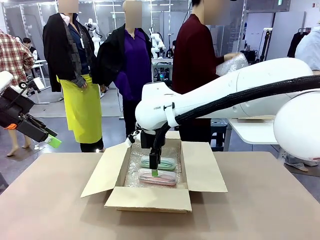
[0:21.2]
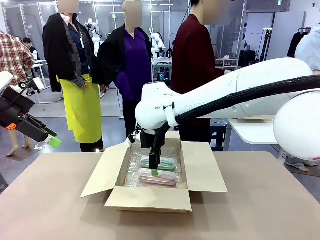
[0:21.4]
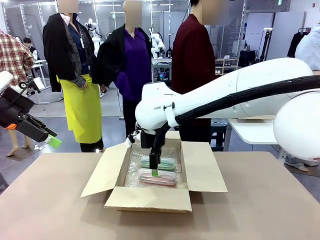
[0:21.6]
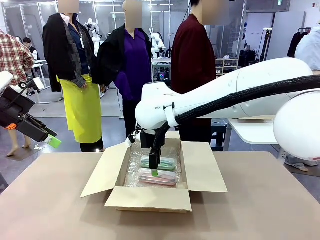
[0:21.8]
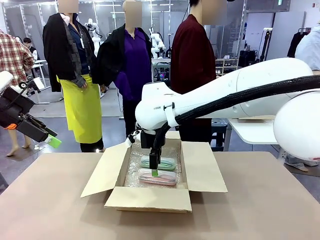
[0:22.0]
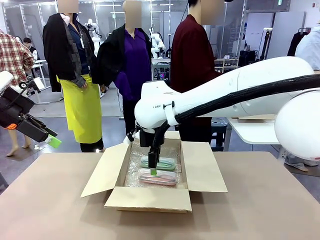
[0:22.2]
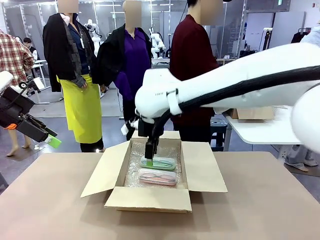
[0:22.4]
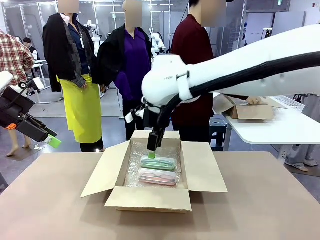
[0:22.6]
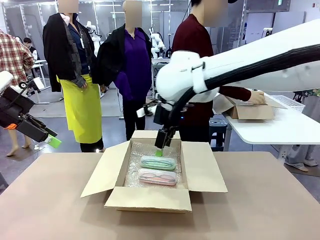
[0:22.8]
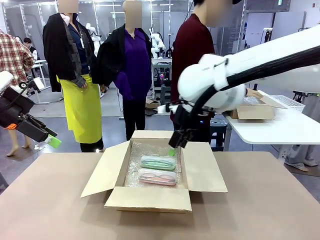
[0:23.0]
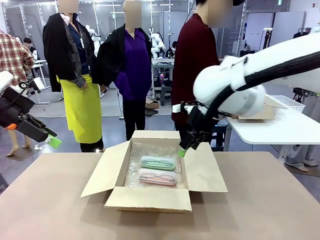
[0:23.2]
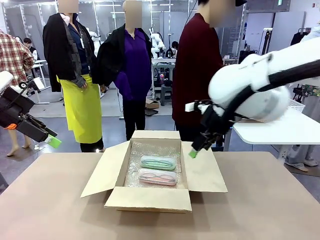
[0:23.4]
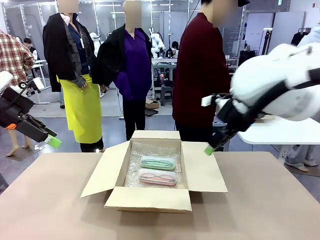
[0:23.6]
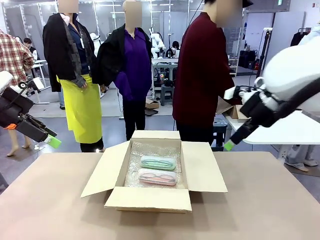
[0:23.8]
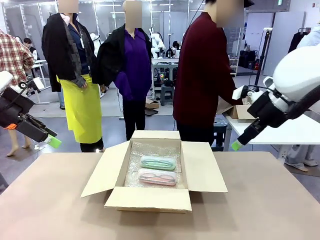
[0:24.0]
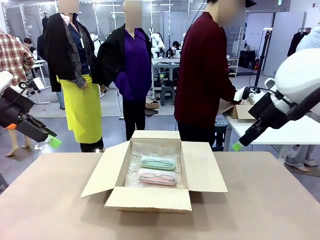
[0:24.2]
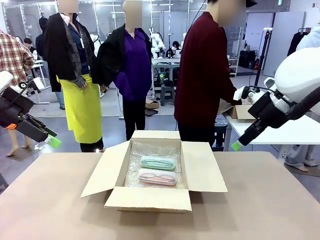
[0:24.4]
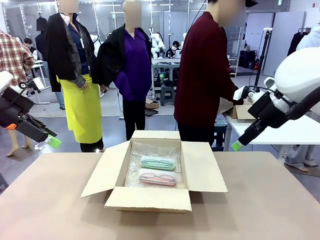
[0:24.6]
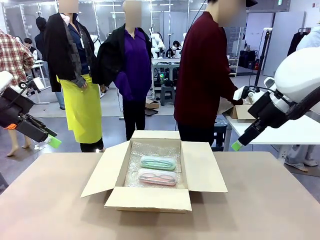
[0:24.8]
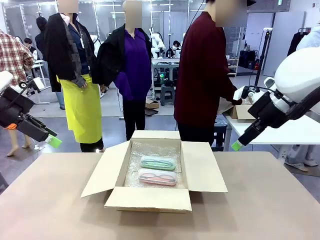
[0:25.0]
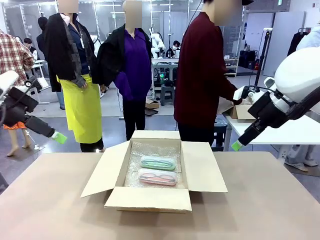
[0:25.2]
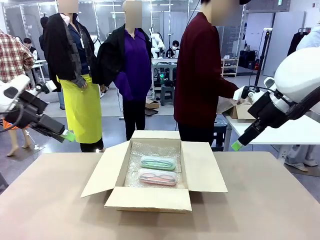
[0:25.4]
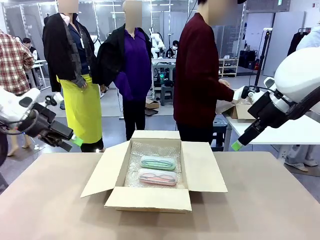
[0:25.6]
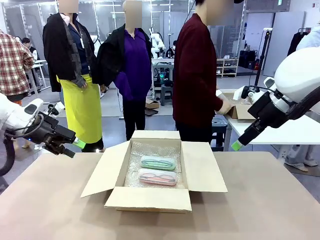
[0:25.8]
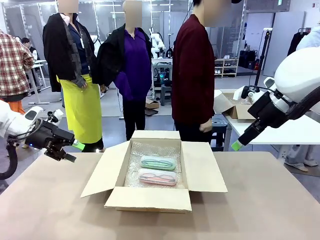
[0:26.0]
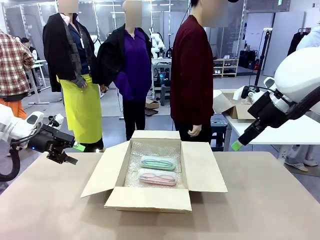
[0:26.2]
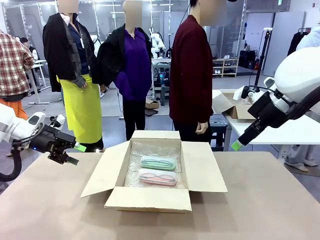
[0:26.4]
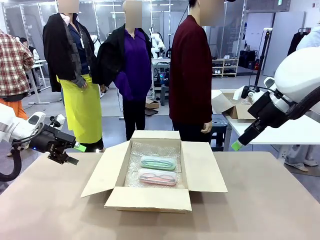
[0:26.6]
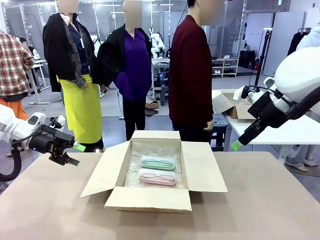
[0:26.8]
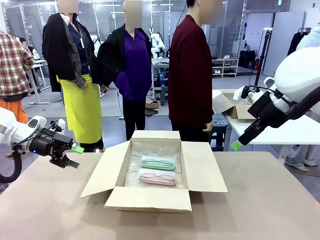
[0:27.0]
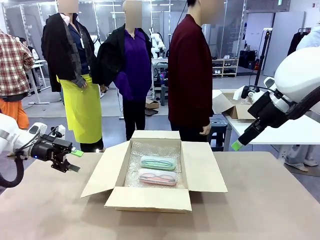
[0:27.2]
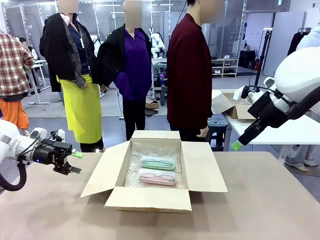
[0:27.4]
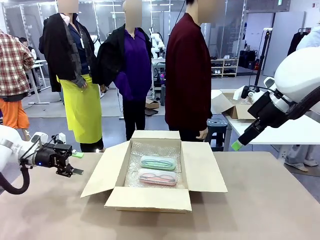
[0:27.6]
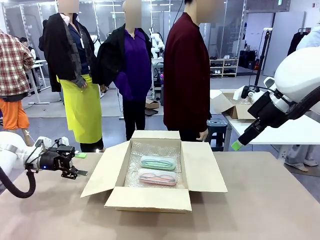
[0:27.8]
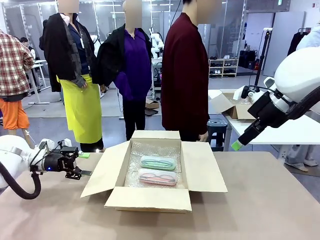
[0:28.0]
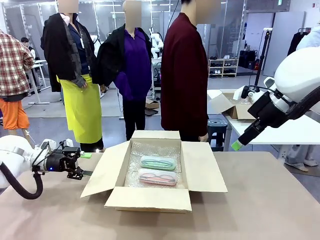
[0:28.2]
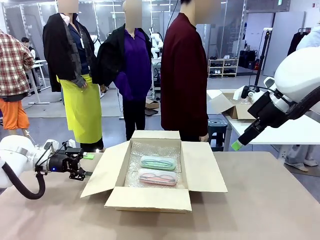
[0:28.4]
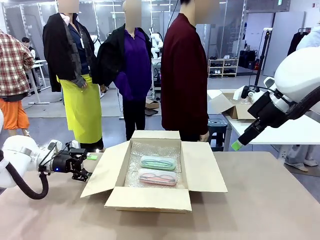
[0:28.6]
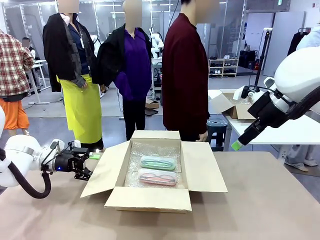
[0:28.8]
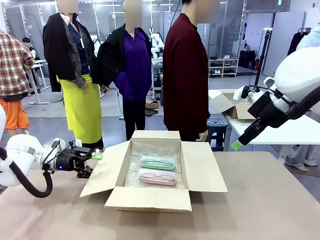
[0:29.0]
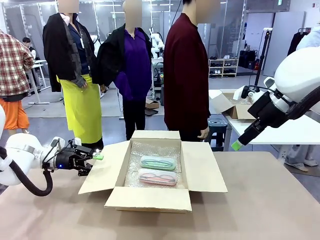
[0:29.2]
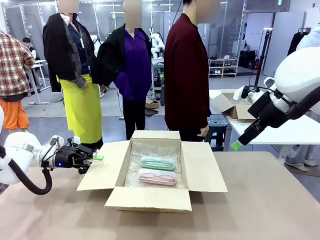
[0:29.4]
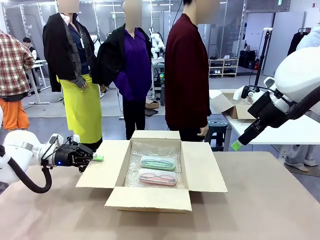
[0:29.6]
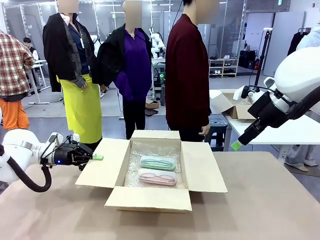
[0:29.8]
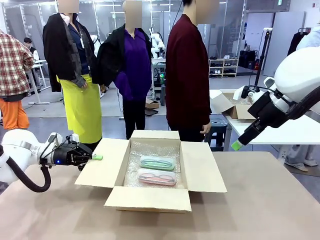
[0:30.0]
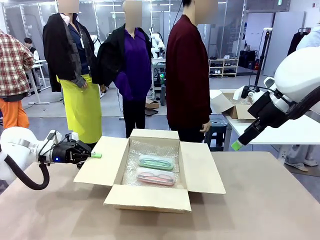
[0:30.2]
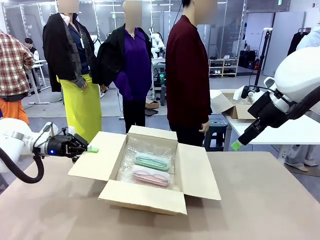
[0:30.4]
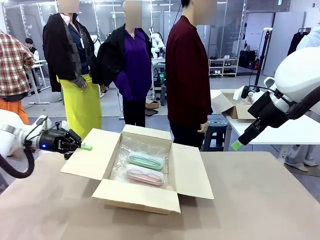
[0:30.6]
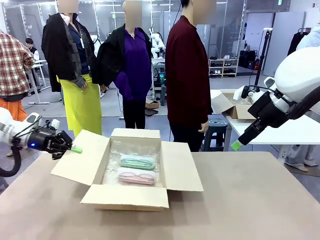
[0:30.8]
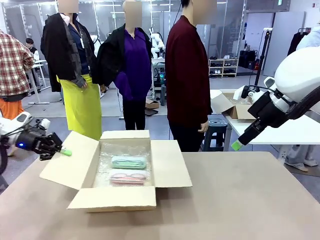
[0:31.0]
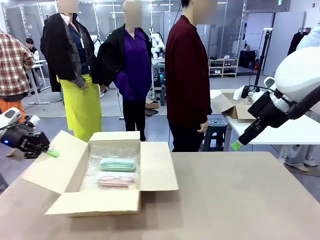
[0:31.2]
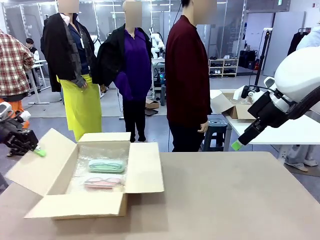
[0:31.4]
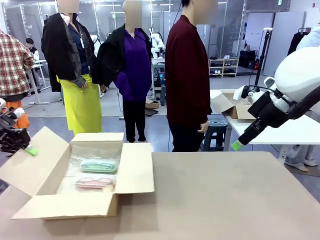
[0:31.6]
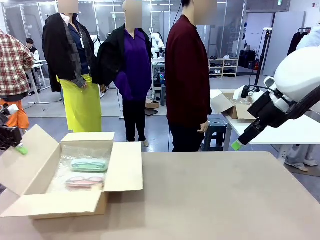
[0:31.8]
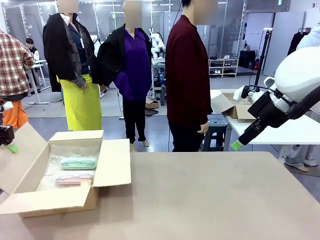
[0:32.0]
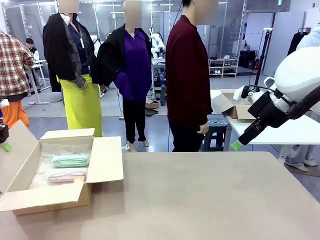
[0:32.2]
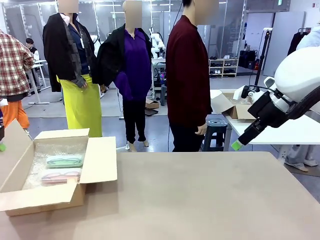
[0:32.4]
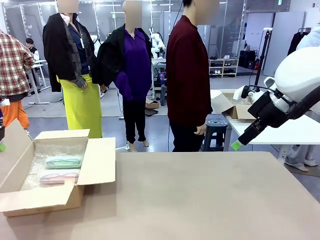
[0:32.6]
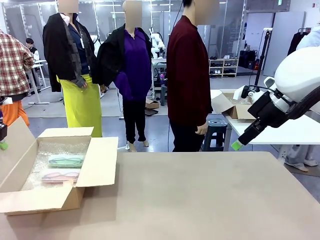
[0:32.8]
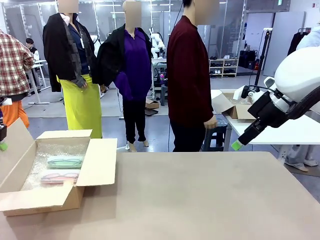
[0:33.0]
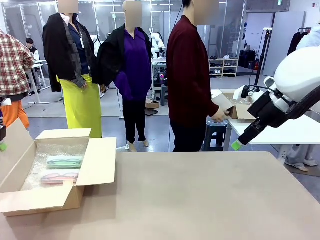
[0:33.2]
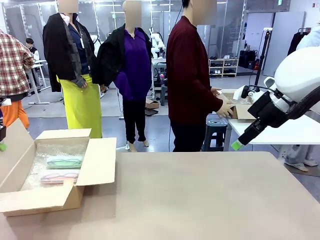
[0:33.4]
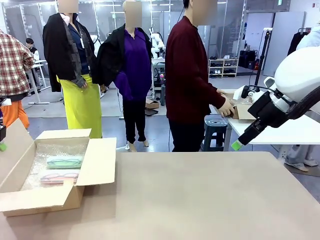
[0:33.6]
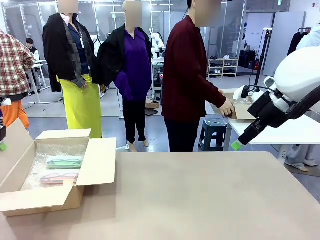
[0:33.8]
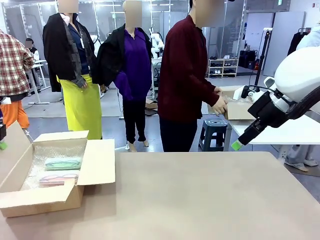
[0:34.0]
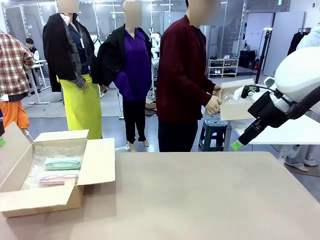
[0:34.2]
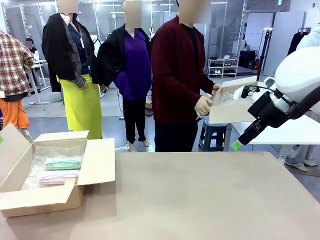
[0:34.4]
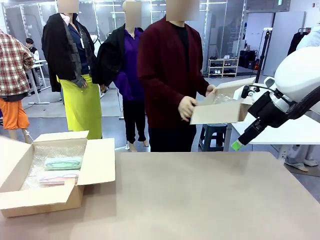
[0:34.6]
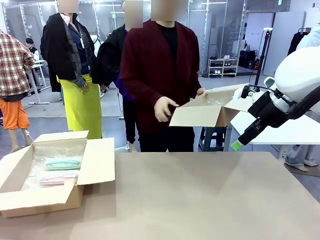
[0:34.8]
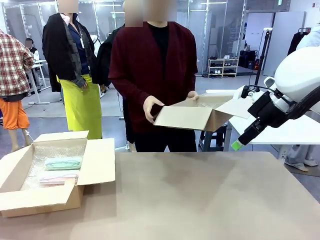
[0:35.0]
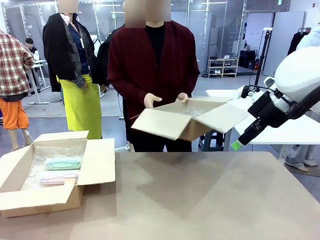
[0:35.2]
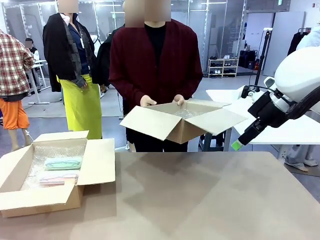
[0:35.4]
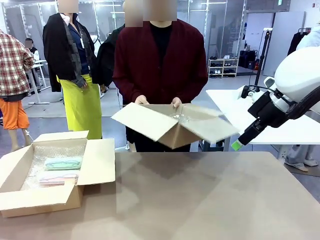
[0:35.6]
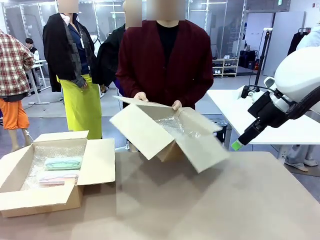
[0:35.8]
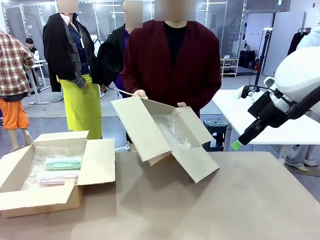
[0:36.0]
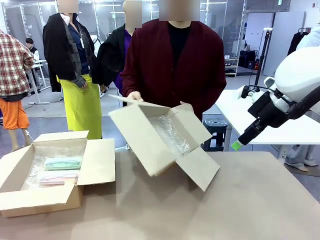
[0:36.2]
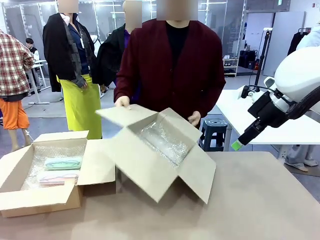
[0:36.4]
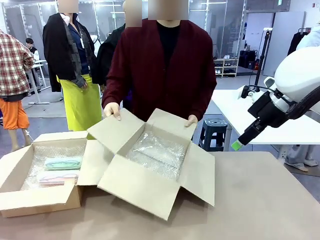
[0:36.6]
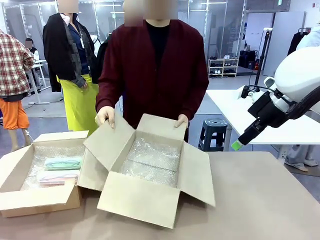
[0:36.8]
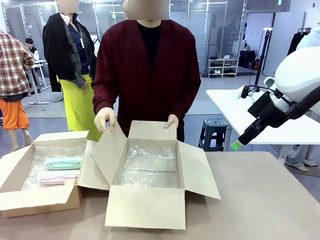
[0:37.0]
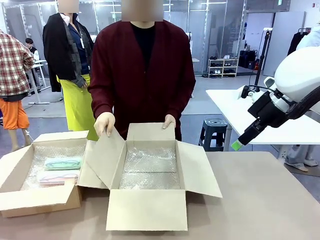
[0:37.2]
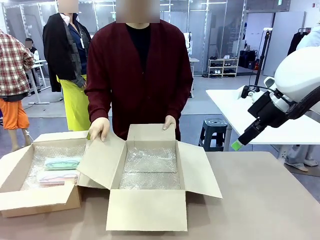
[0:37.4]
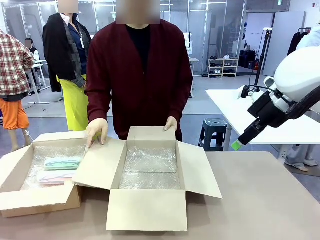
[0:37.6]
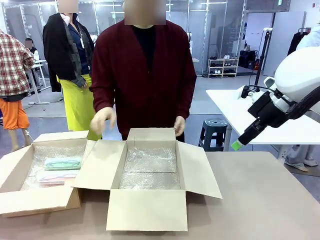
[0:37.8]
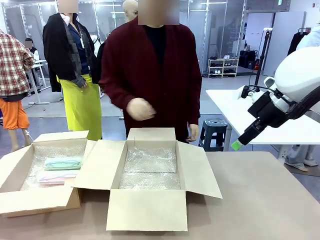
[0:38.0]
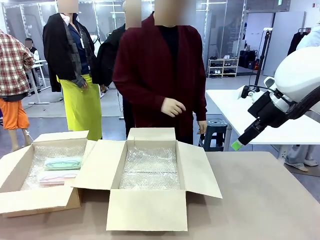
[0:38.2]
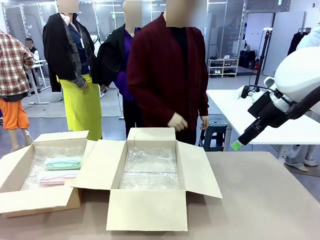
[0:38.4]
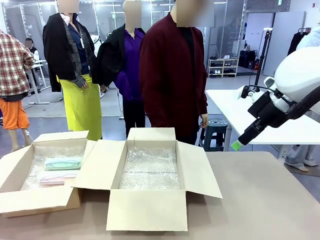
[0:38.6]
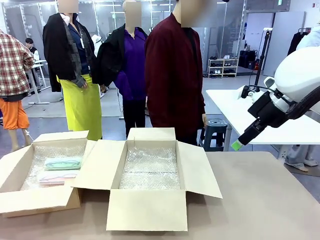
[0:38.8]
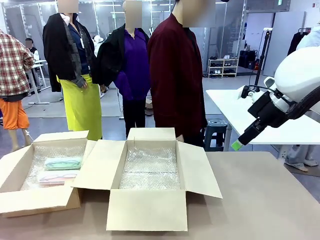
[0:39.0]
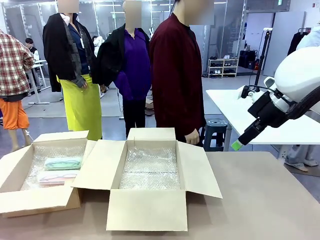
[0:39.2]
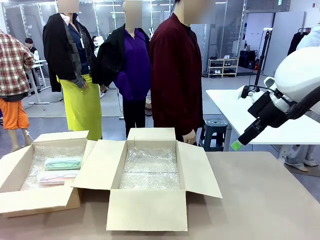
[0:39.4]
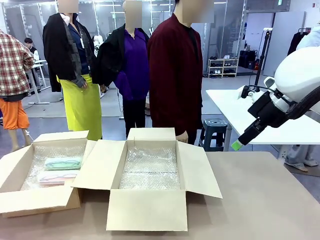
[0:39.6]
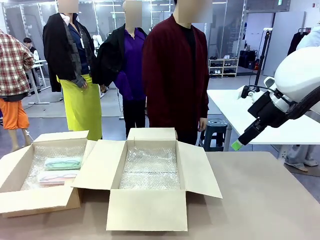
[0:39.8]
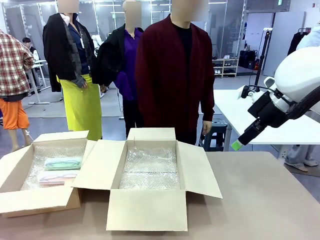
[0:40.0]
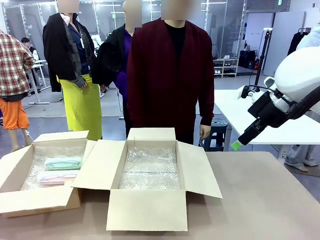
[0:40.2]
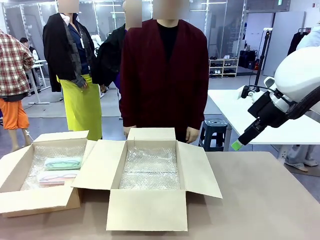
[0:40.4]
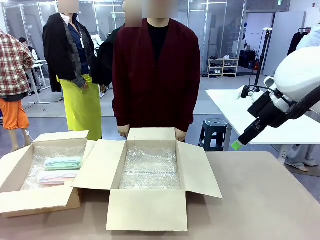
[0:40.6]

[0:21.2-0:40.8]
Task: Pack the glasses set securely to prepare it for shipping.
Robot: Position the Package Box on the left side of the table.
Person: Position the empty Package Box in the middle of the robot's table.
